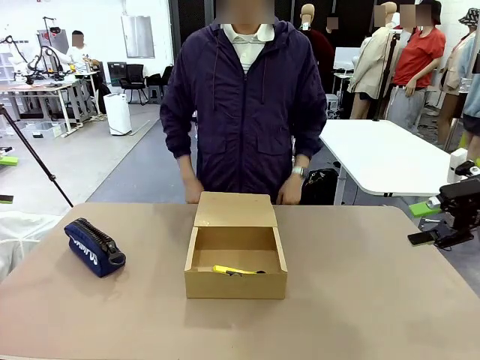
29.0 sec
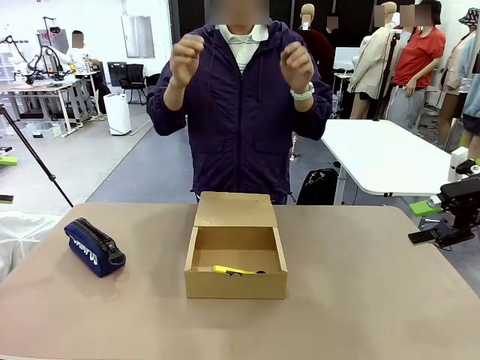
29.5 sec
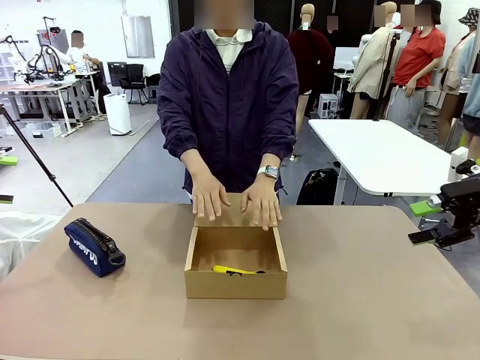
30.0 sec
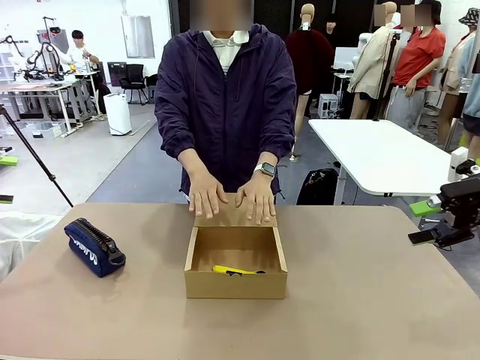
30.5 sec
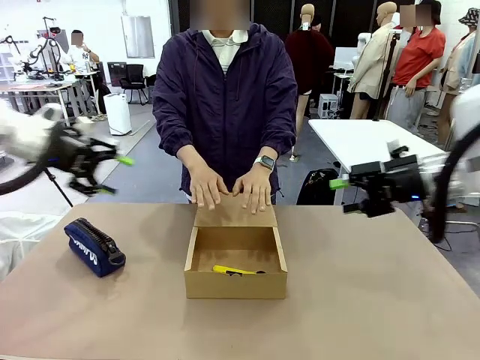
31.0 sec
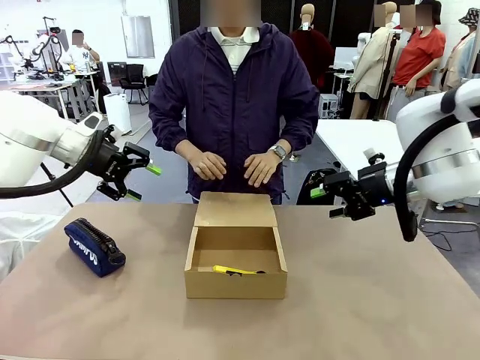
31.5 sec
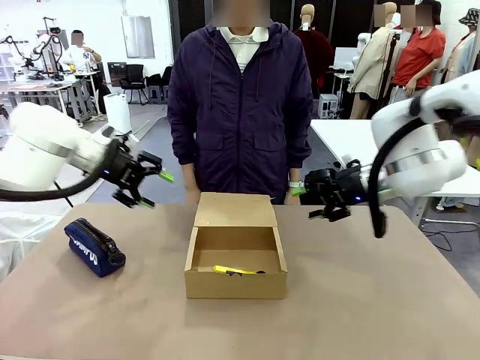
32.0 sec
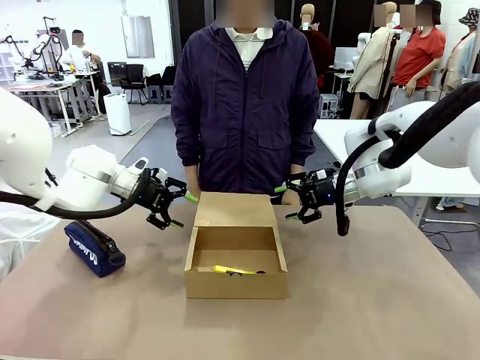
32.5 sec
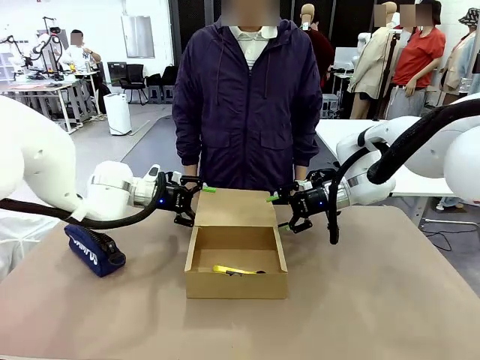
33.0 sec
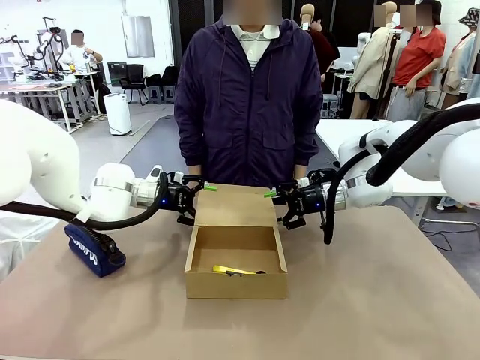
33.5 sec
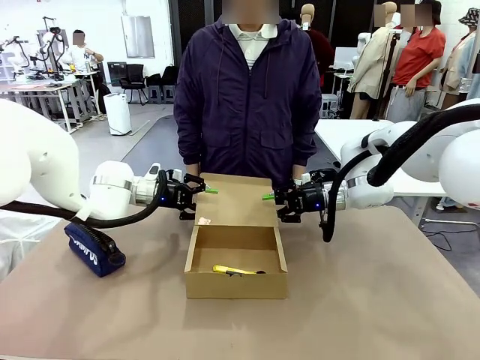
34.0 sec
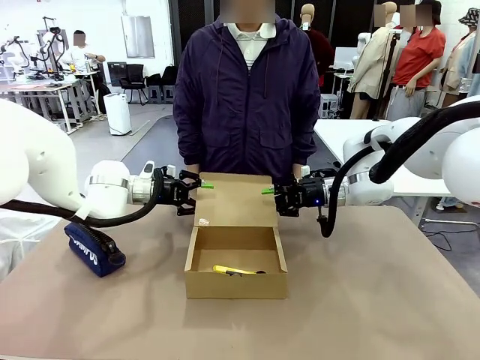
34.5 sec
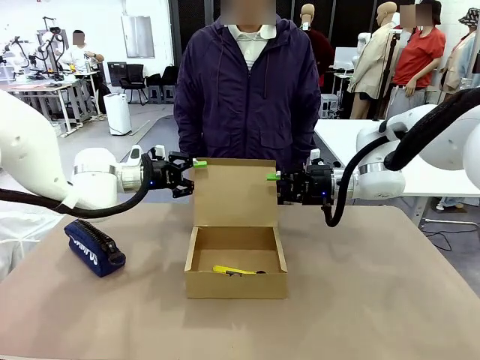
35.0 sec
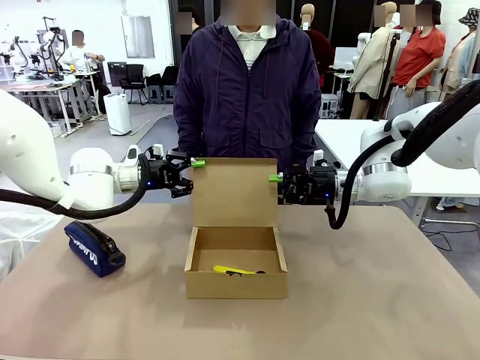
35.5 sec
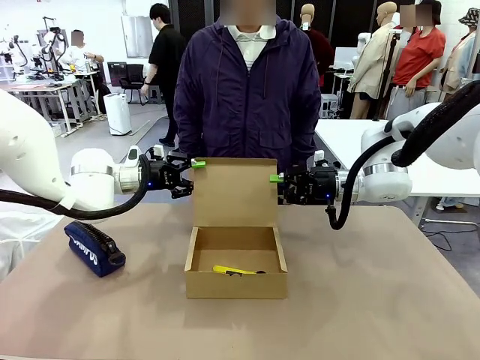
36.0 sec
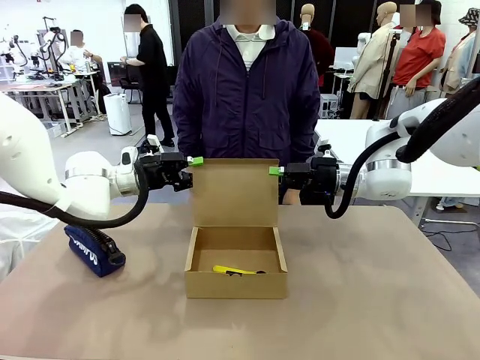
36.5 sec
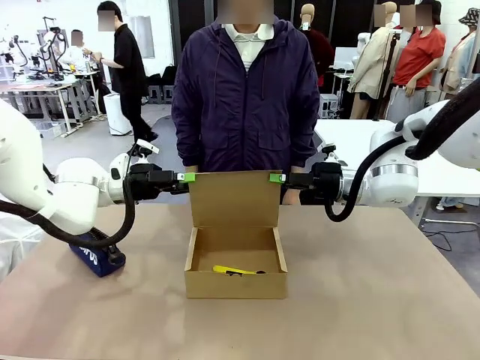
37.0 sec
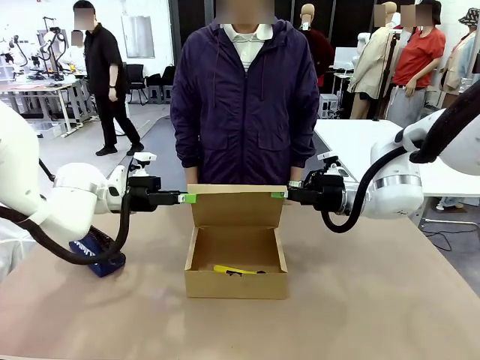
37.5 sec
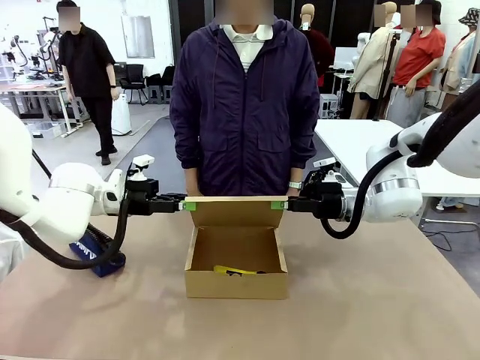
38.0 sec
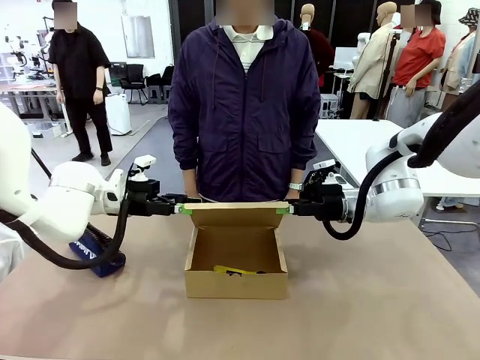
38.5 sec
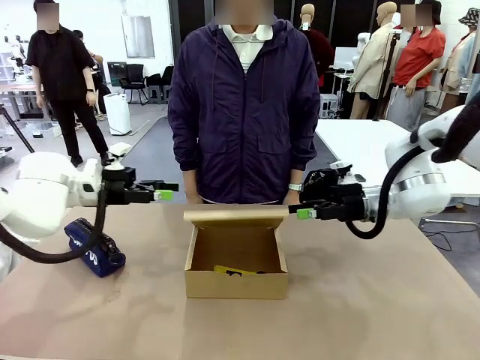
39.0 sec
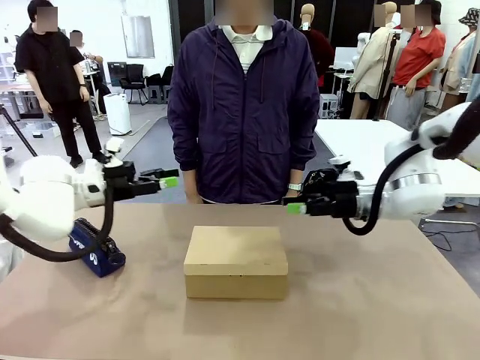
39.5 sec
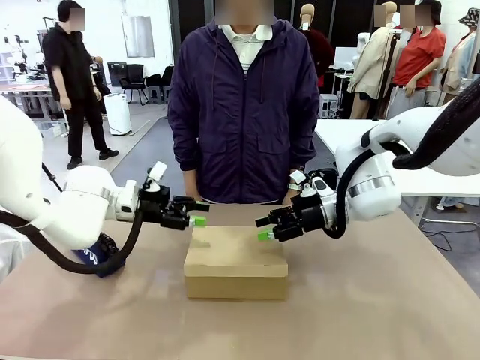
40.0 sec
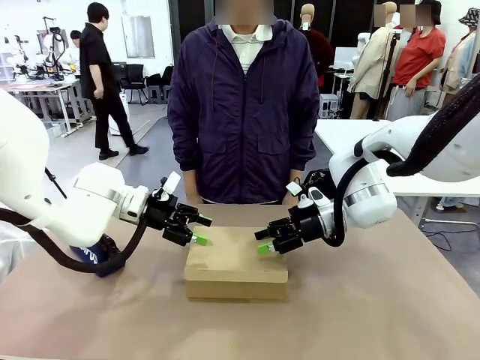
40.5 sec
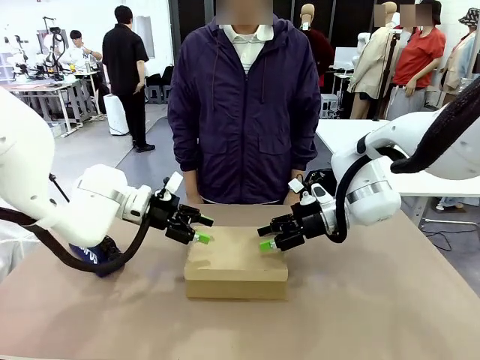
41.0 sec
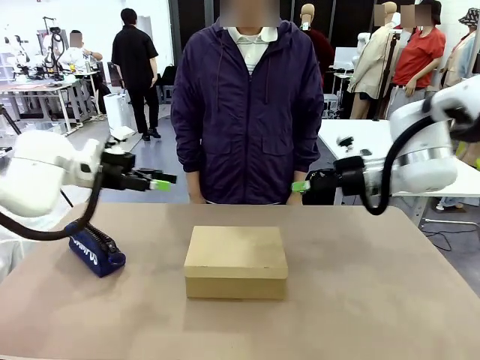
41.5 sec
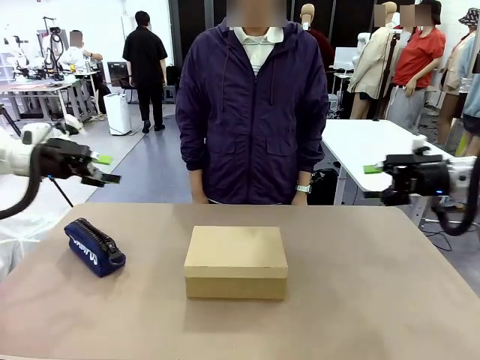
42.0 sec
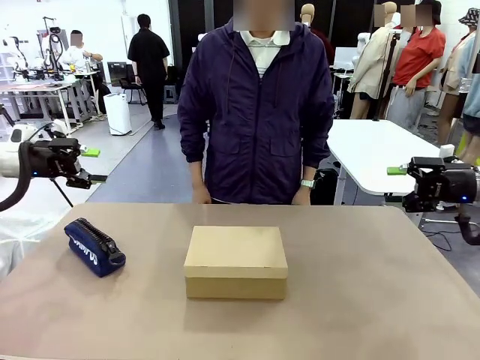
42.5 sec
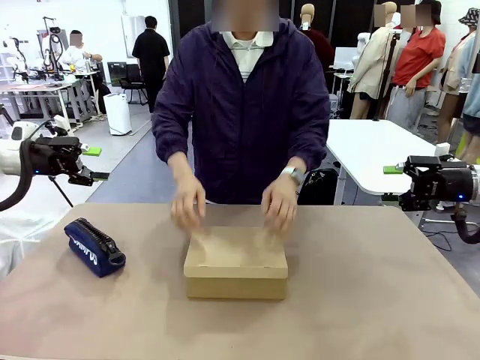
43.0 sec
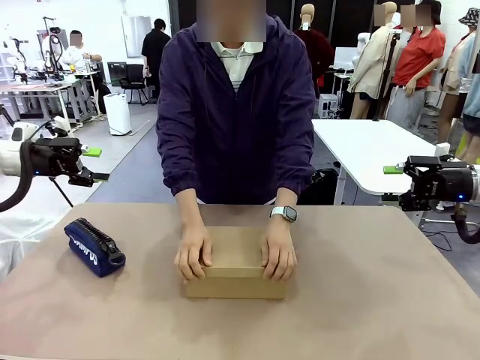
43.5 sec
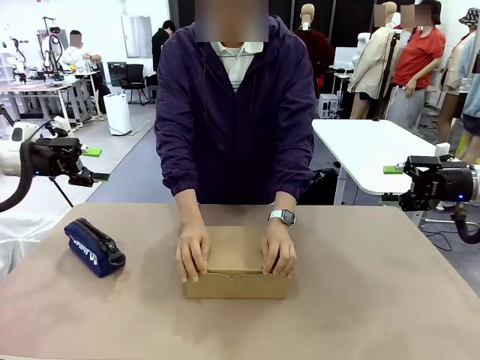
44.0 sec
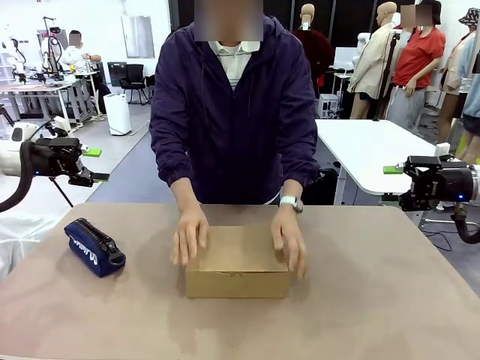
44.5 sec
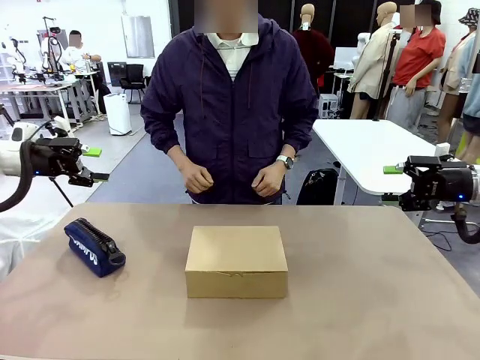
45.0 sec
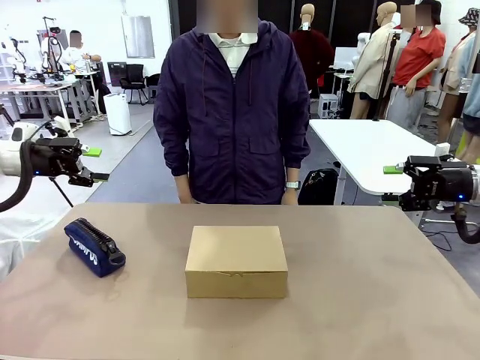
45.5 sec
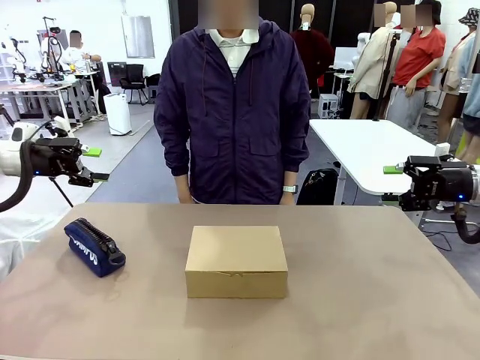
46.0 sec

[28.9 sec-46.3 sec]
Task: Pack the items into the box.
Robot: Close the Mailer Box.
Person: Turn the box and lock it.

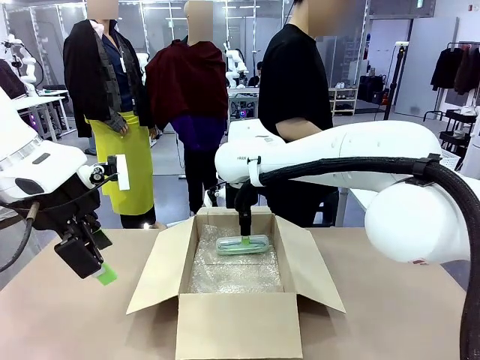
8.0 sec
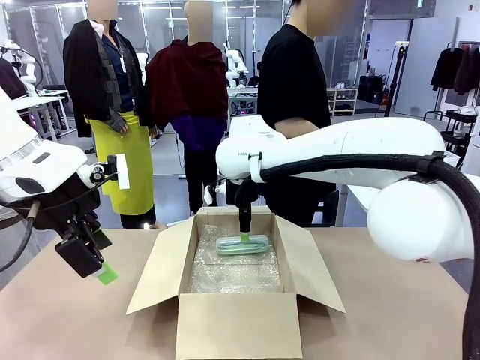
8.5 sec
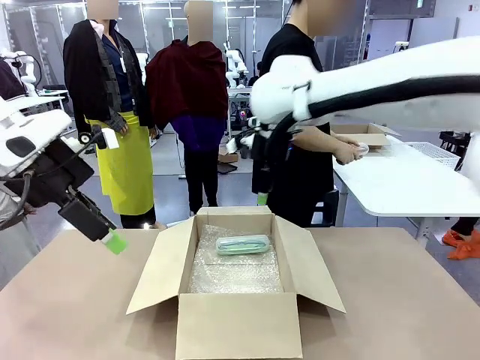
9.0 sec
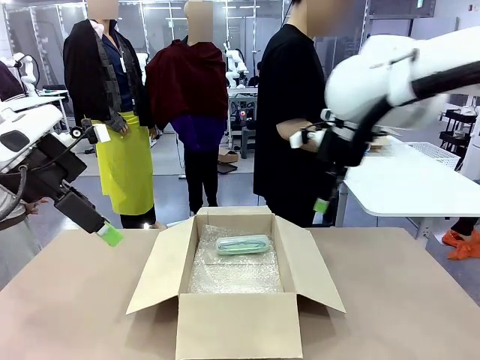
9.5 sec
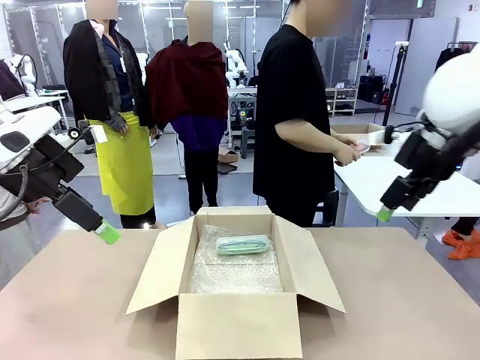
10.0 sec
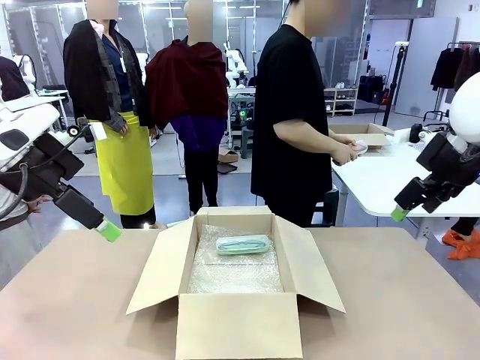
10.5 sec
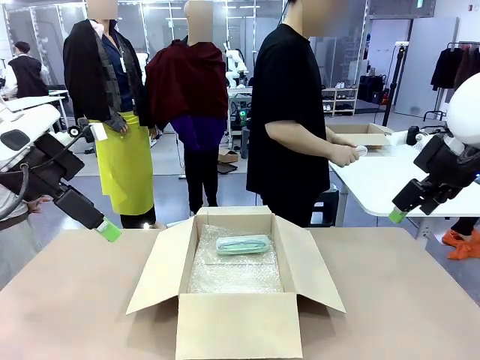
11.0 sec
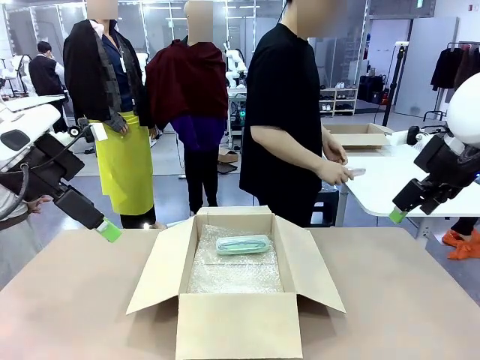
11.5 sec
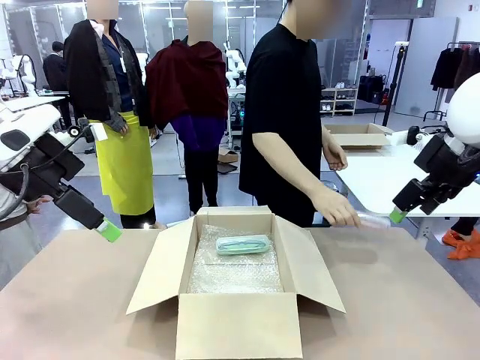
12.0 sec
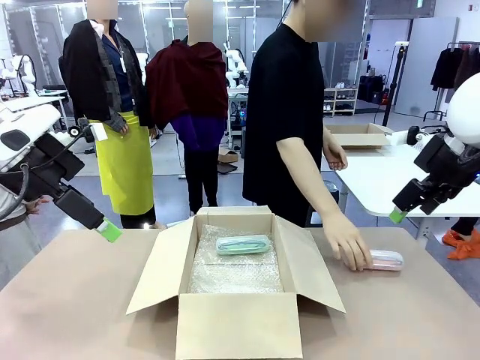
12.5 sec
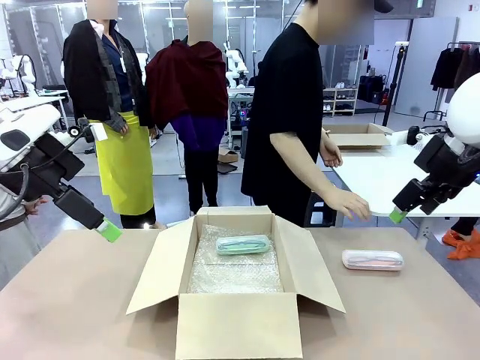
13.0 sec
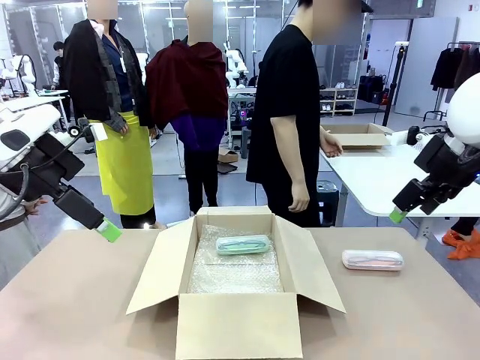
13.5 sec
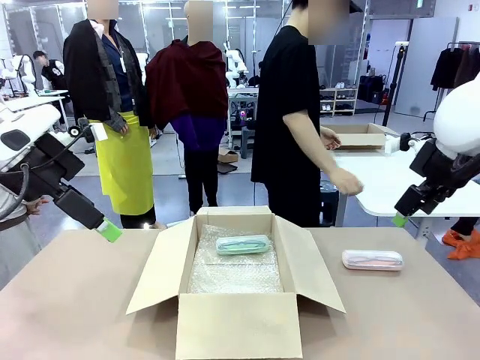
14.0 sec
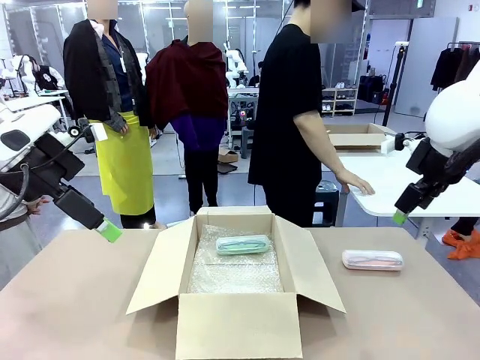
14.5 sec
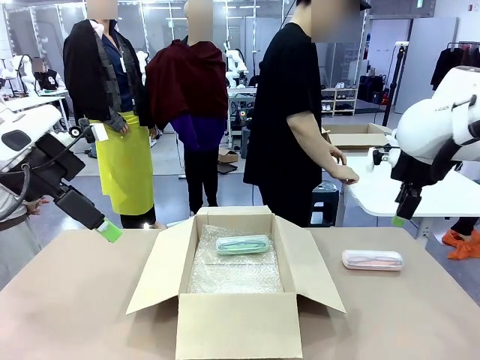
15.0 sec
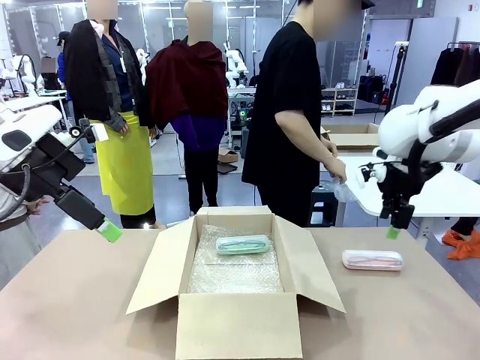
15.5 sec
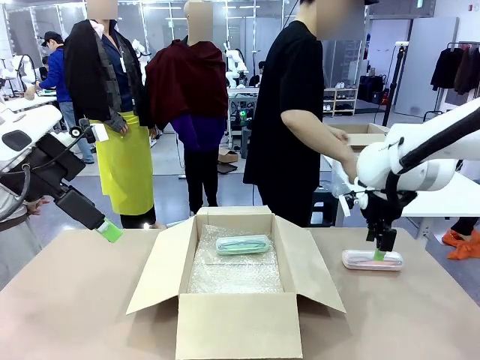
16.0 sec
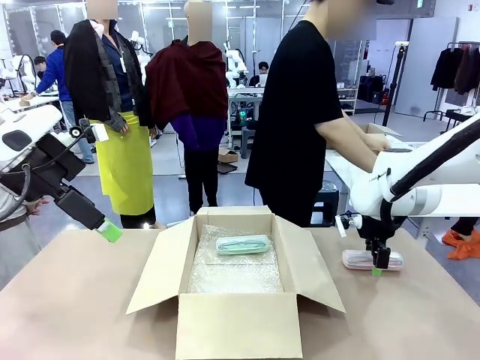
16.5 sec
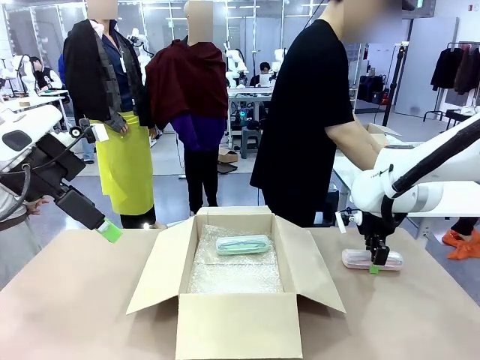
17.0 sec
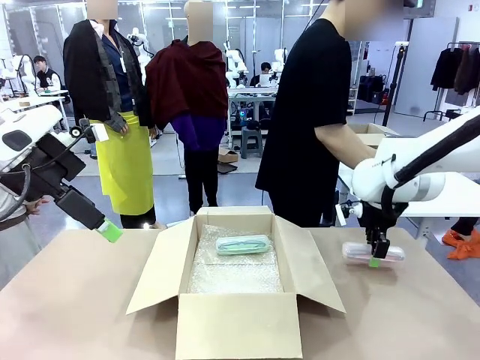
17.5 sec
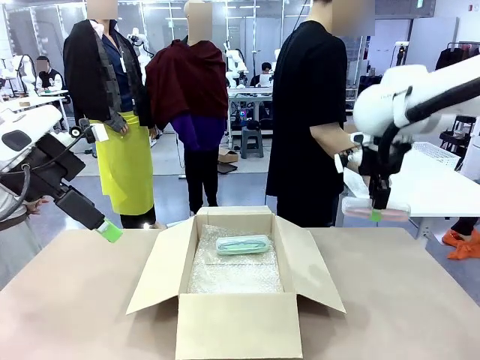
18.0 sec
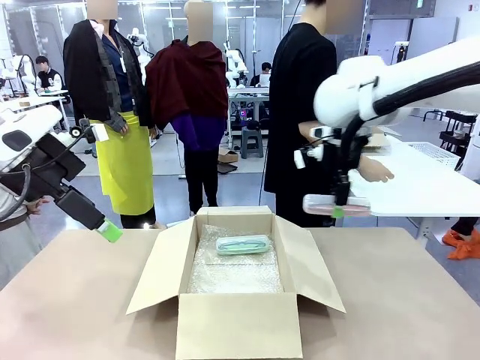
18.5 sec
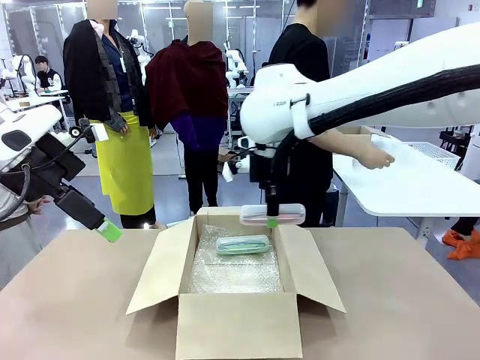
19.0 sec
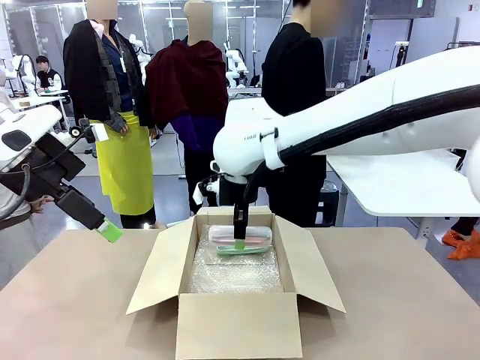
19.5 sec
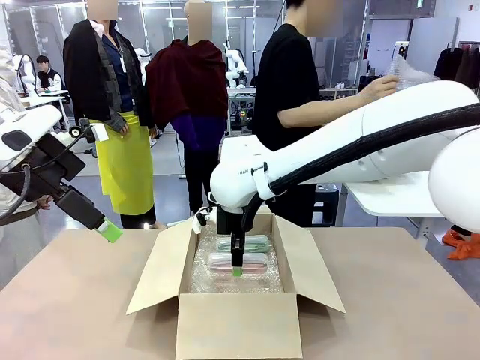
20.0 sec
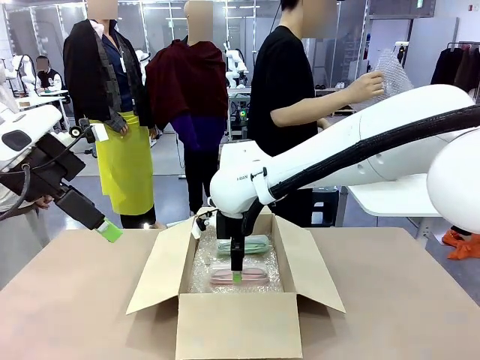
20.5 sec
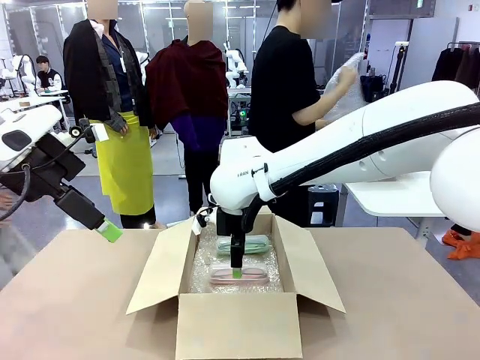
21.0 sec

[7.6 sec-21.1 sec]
Task: Pack the glasses set securely to prepare it for shipping.
Robot: Put the Glasses case from the right side of the table into the Package Box.
Person: Position the Glasses case on the left side of the robot's table.
